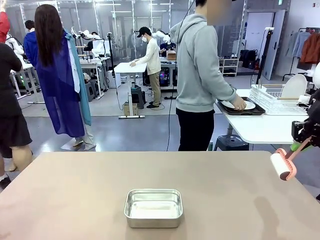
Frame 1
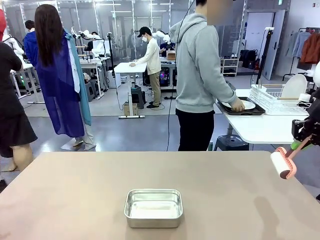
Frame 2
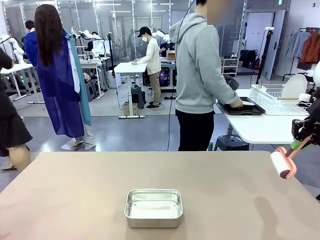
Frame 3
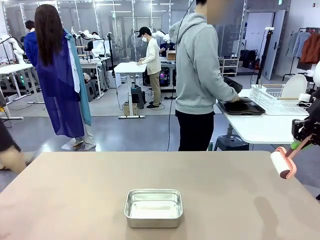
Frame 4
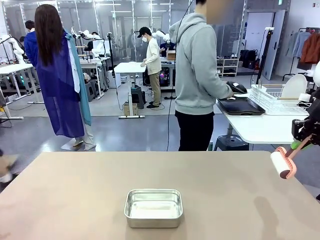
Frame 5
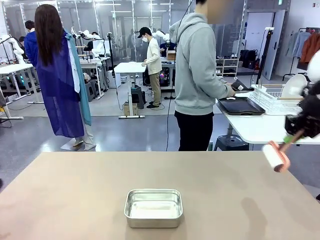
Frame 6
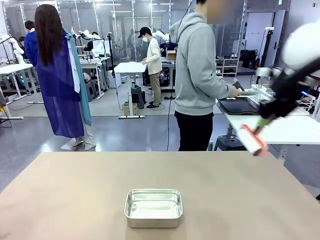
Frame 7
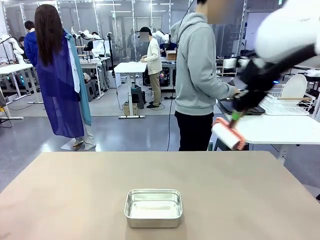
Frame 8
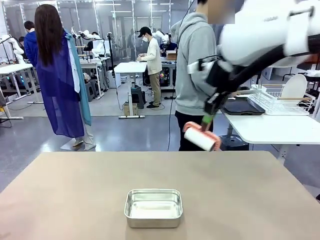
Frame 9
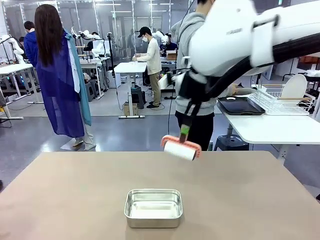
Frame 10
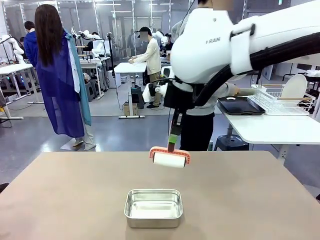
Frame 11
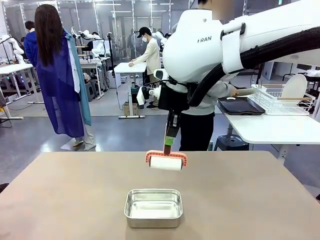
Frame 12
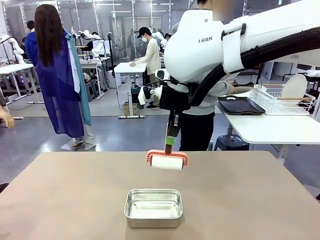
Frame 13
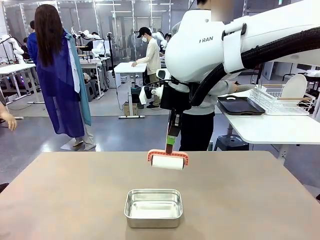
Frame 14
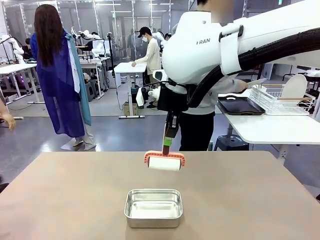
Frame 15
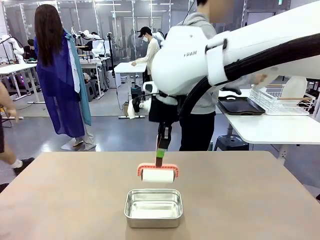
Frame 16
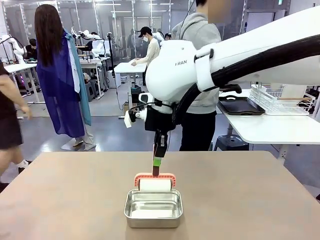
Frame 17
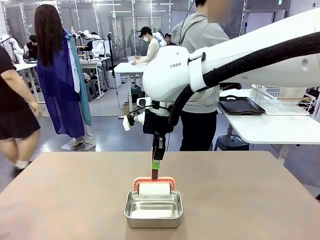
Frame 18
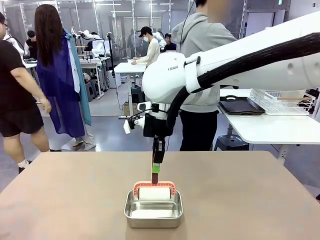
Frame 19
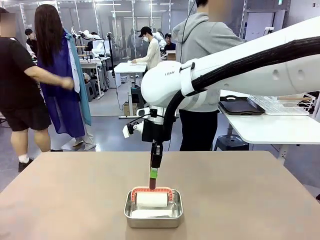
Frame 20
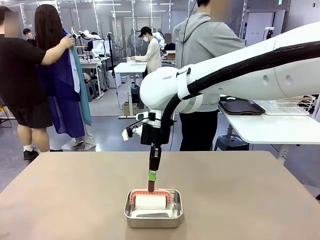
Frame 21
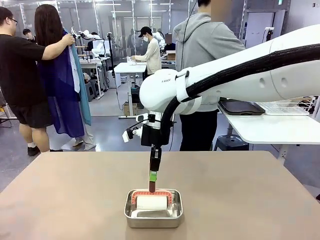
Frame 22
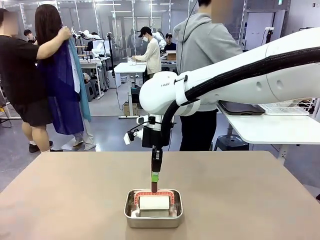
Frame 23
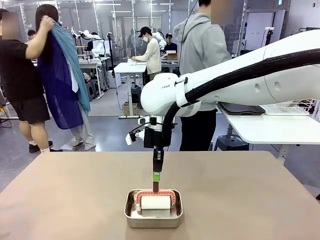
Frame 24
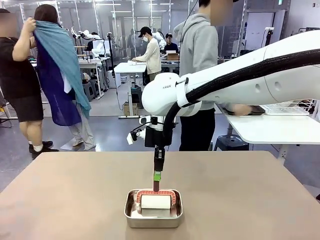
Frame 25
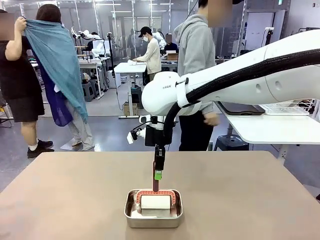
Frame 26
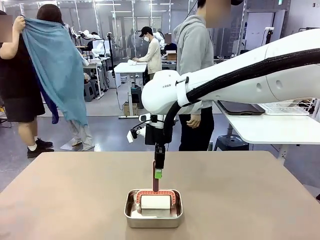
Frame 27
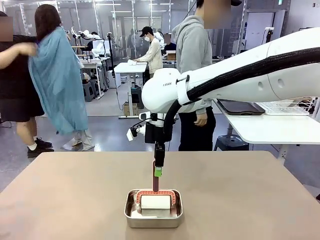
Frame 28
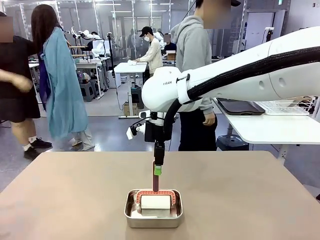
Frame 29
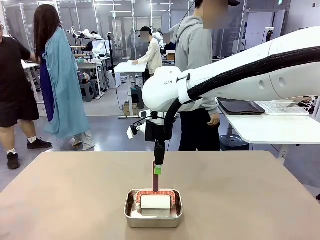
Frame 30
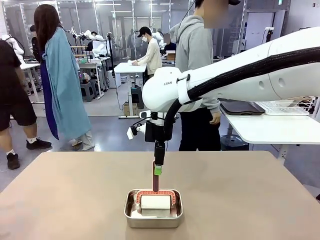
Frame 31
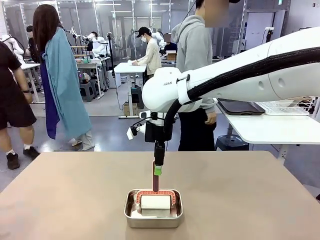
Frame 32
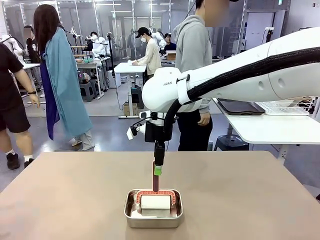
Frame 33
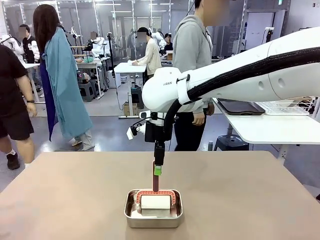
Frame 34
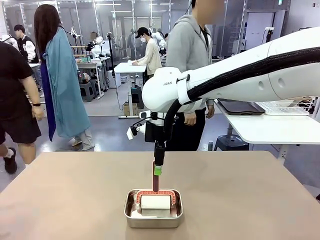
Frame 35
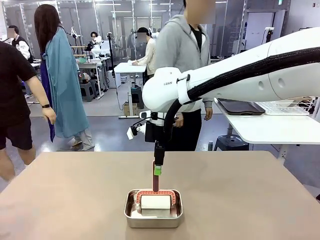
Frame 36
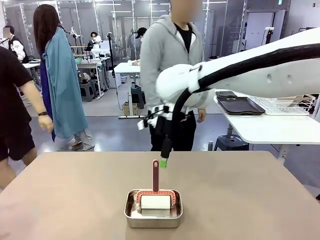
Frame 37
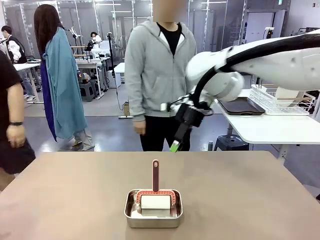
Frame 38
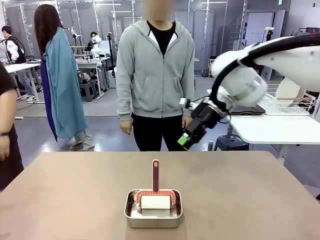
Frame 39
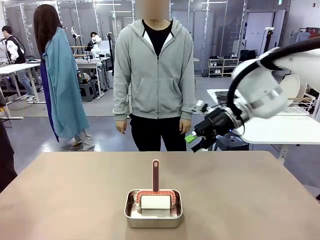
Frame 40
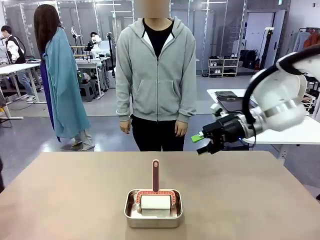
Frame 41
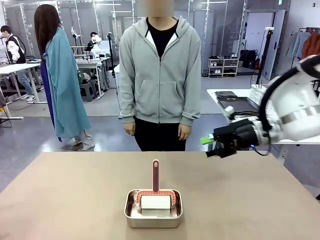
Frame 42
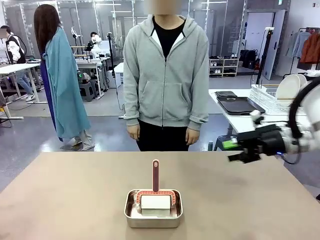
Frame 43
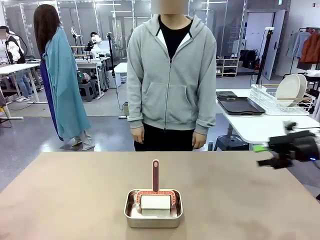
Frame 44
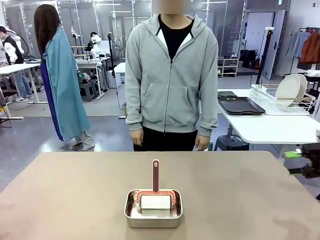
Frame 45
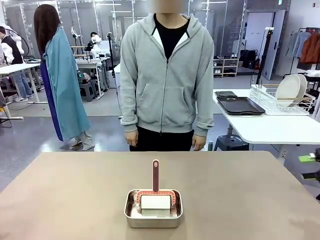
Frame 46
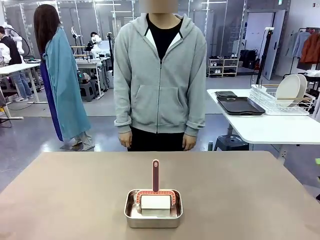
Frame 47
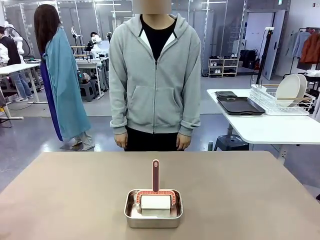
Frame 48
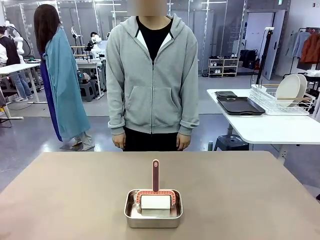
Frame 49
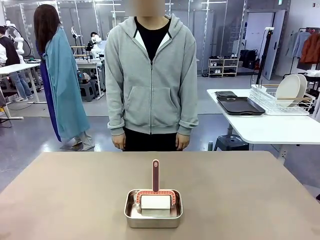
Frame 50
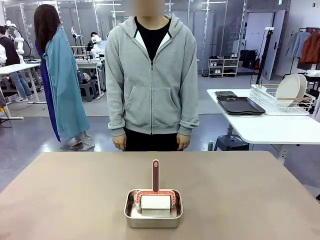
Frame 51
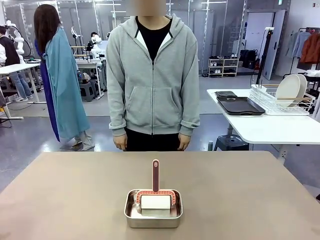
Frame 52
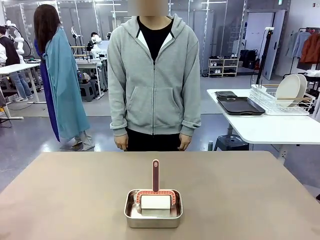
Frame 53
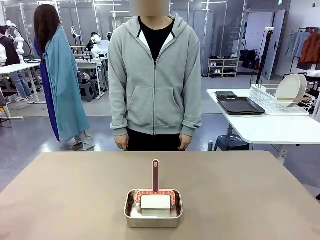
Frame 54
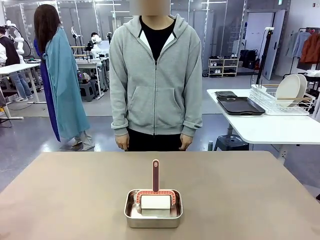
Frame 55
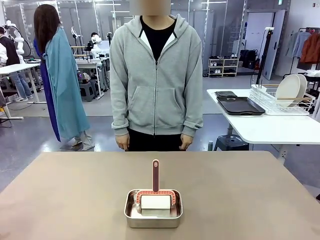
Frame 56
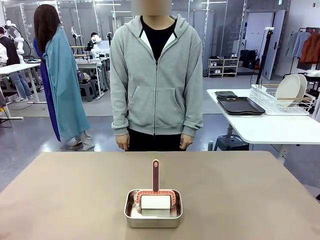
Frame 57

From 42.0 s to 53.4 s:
Robot: Place the Lint Roller back on top of the Airtight Container.
Person: Use the Towel with hook to wipe the Plastic Matte Plate , Fork , and Knife and place into the Dish drying rack.
